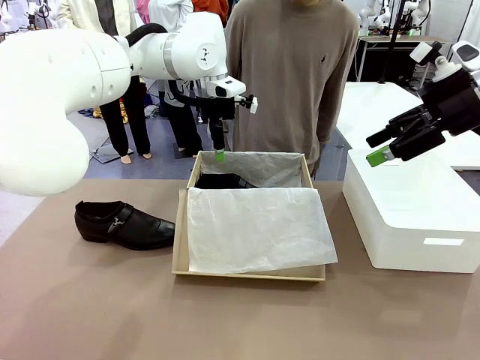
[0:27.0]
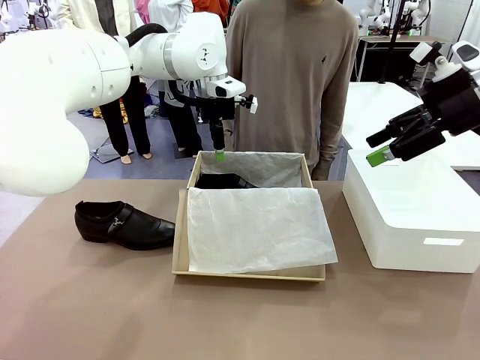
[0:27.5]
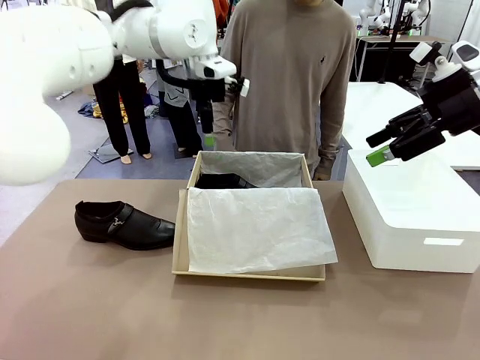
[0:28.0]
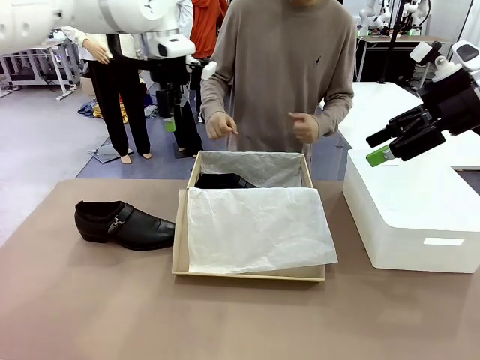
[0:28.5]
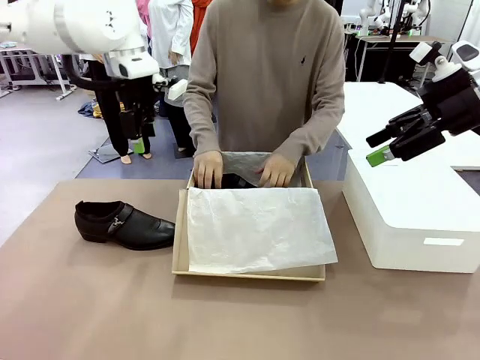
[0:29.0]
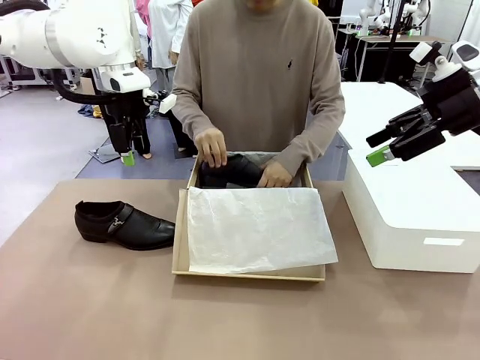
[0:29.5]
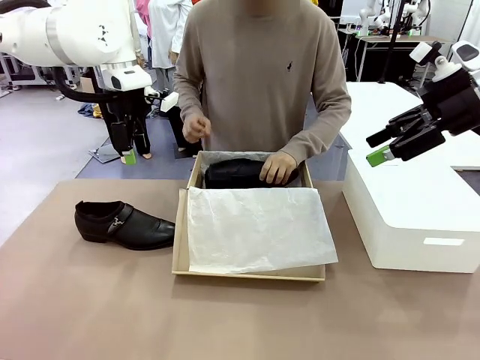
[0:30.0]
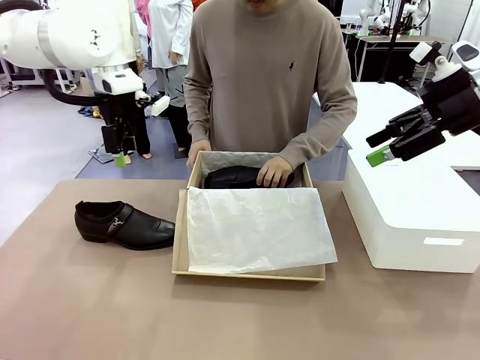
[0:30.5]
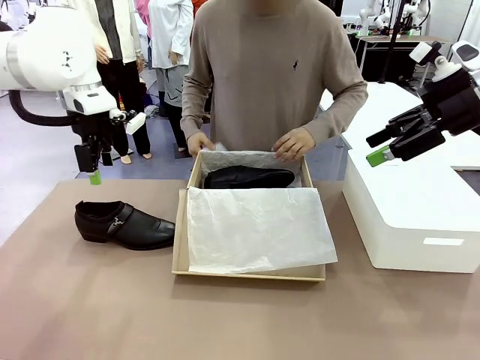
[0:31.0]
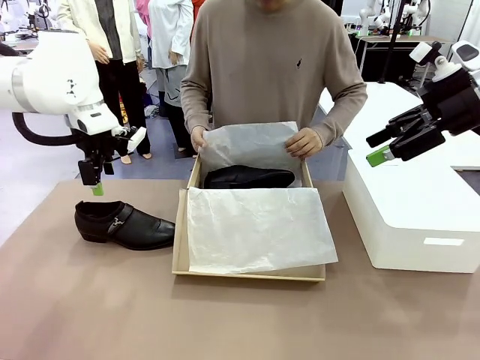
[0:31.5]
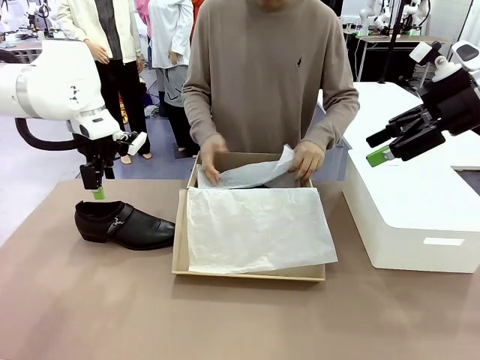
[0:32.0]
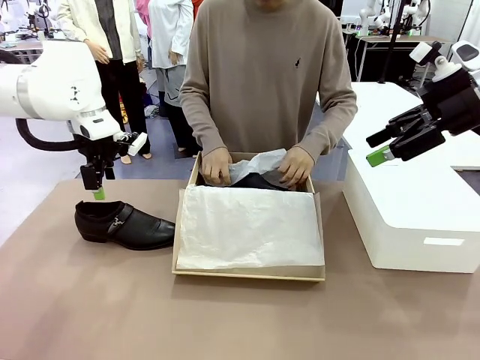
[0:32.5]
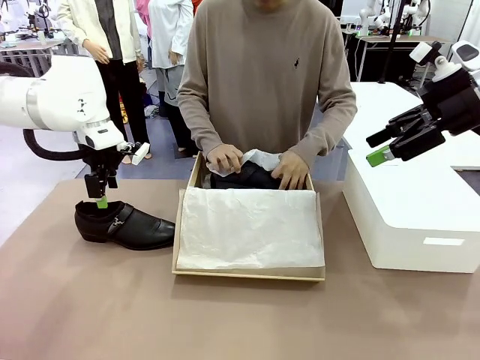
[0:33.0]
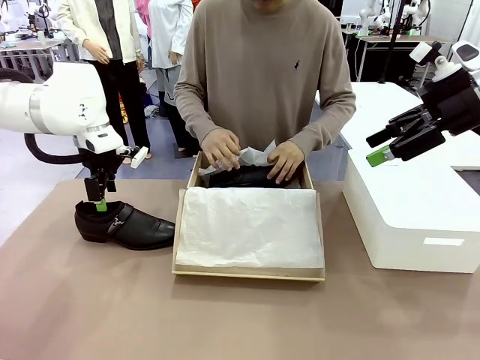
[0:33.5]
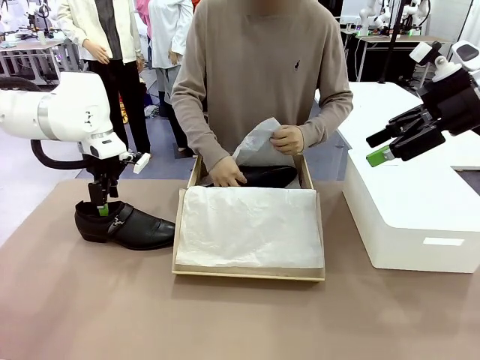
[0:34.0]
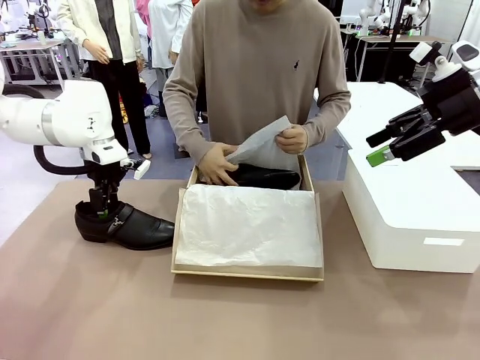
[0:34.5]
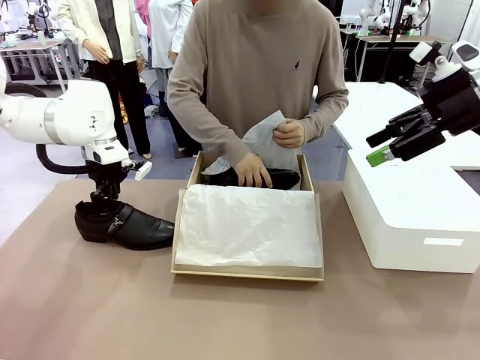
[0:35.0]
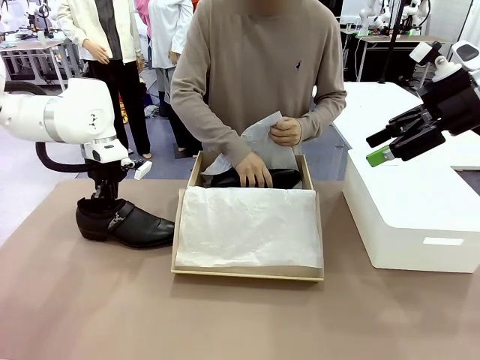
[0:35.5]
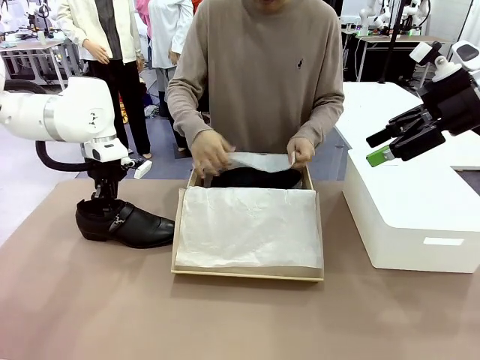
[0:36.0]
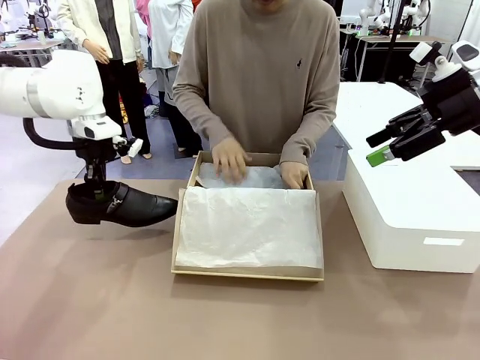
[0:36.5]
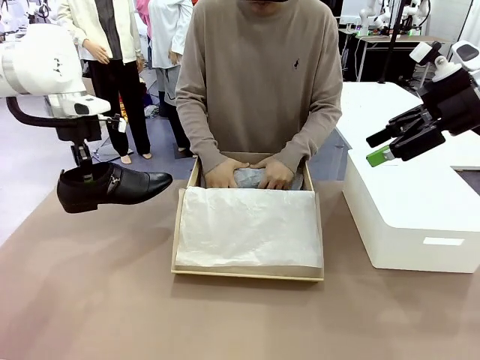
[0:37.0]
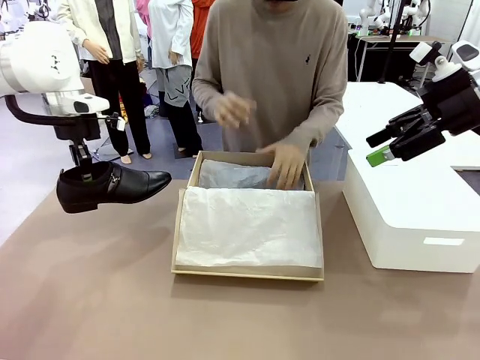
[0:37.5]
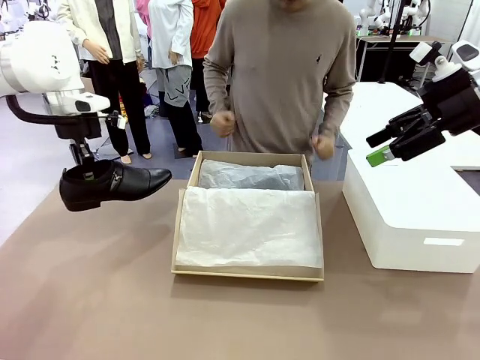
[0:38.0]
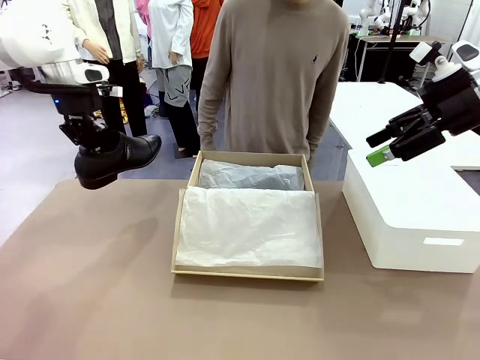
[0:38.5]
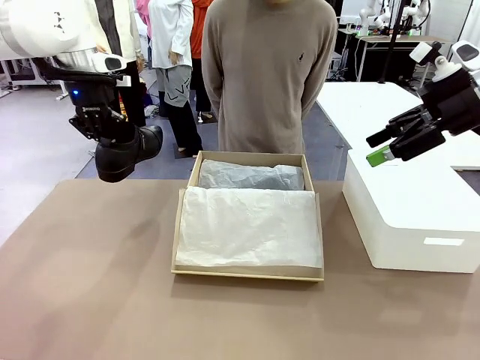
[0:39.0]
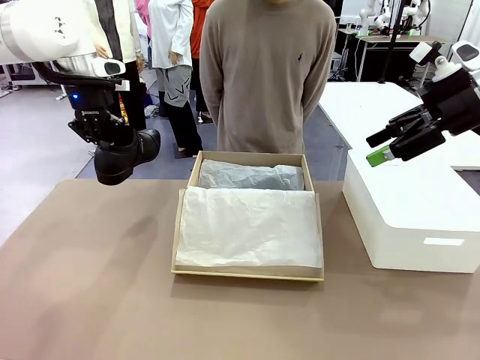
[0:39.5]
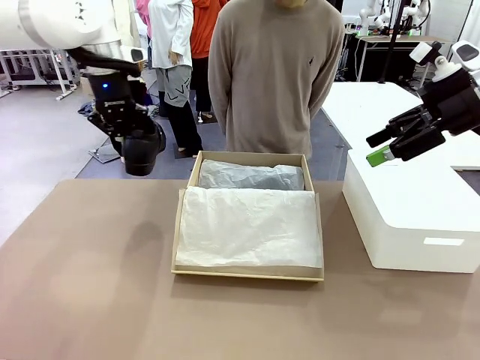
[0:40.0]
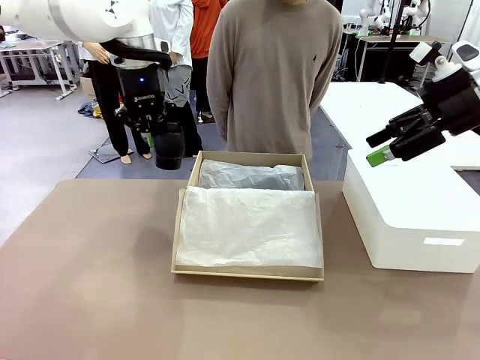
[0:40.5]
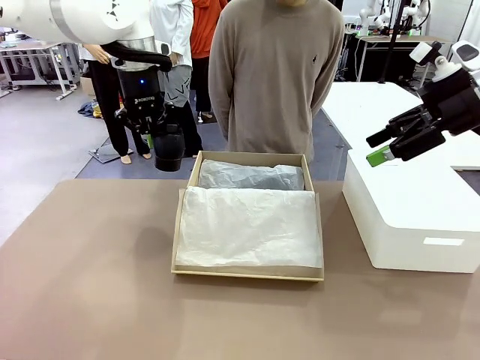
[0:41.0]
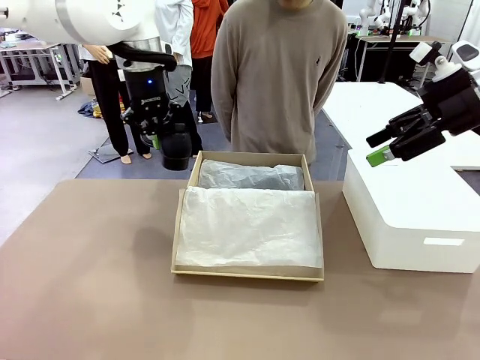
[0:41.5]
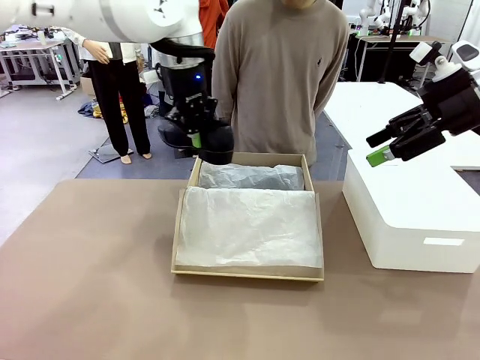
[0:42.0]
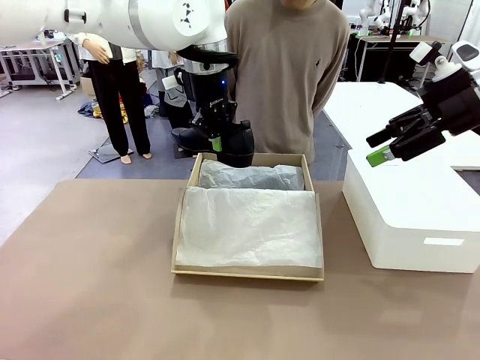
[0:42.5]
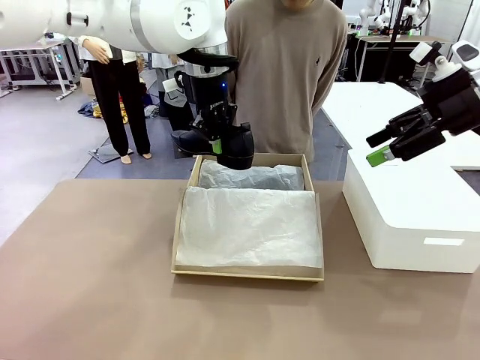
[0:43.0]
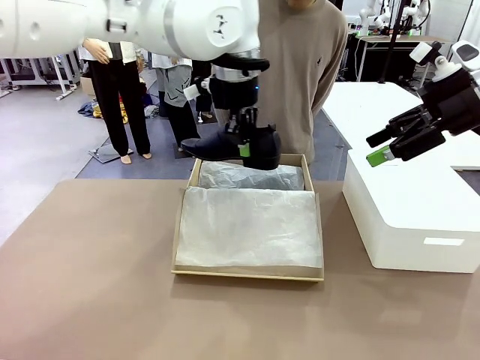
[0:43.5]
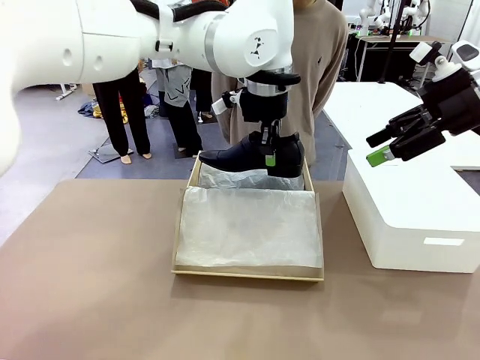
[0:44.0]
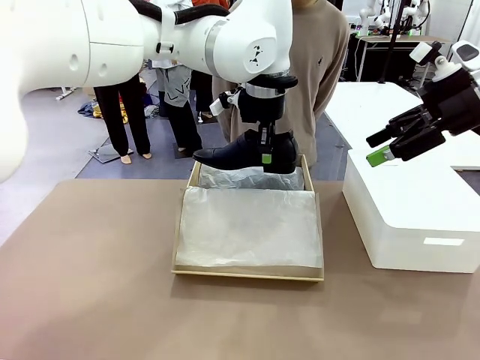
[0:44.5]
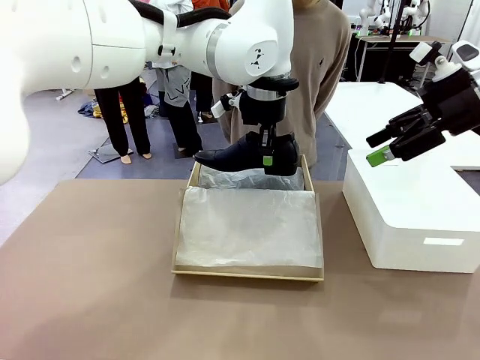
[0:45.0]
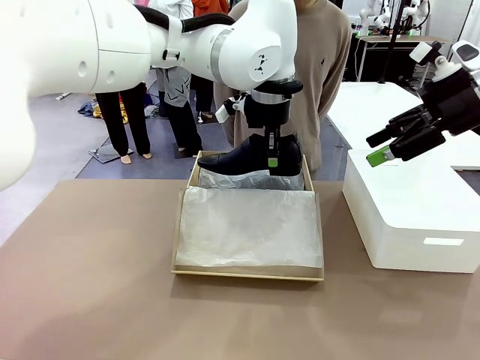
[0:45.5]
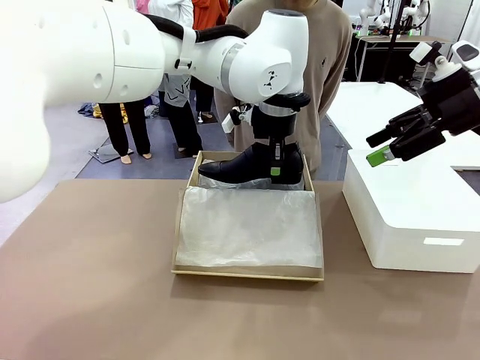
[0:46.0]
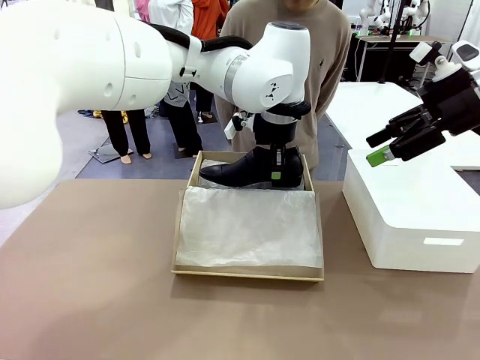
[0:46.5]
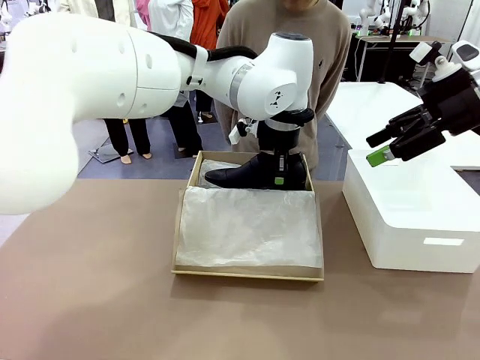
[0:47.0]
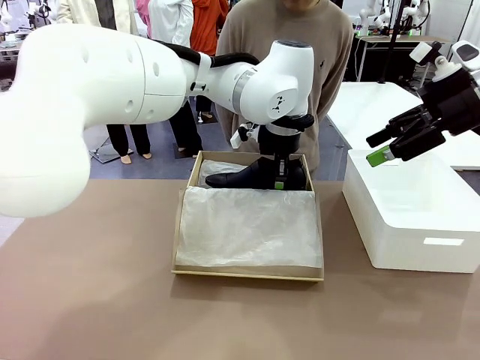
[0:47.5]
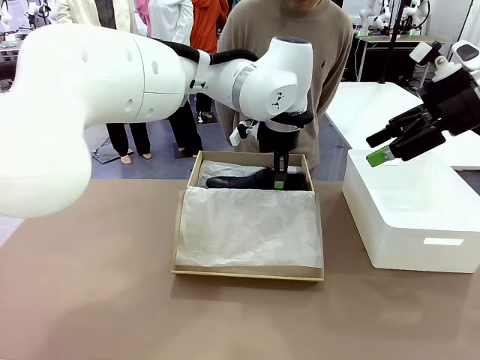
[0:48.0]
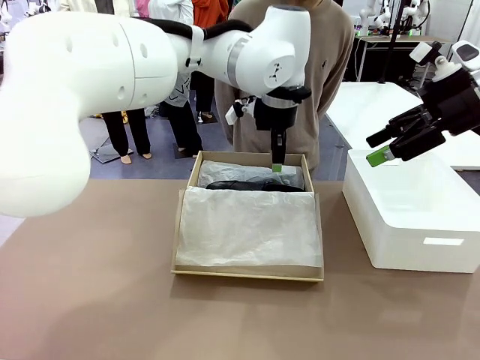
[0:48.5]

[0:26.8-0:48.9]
Task: Pack the shoes into the box.
Robot: Place the other shoe of the Shoes into the Shoes Box.
Person: Pack a shoe of Shoes inside the Shoes Box with Shoes Wrapping Paper.
